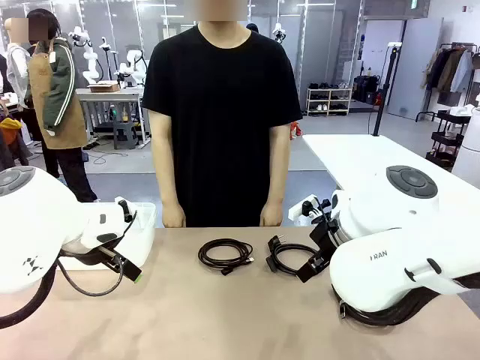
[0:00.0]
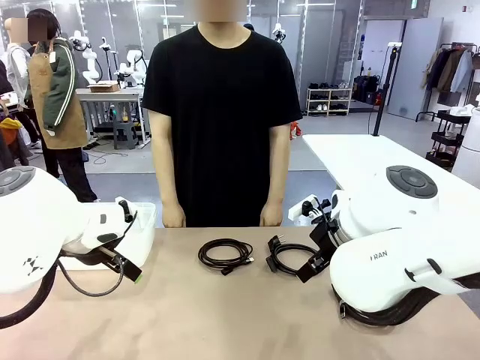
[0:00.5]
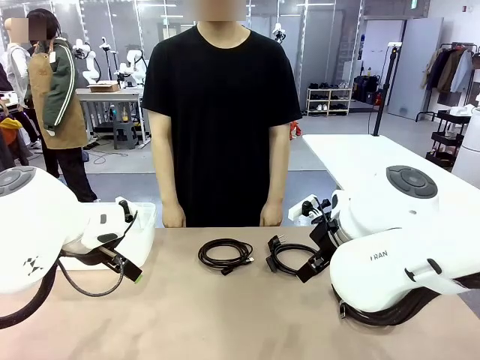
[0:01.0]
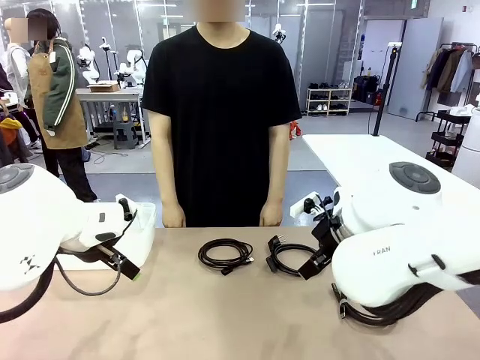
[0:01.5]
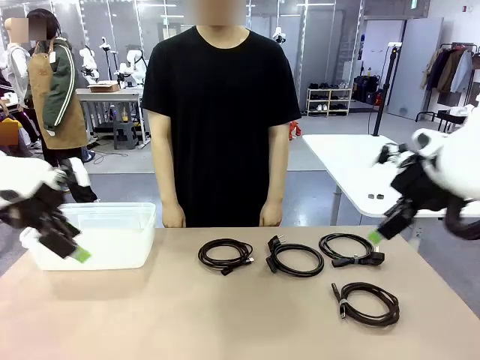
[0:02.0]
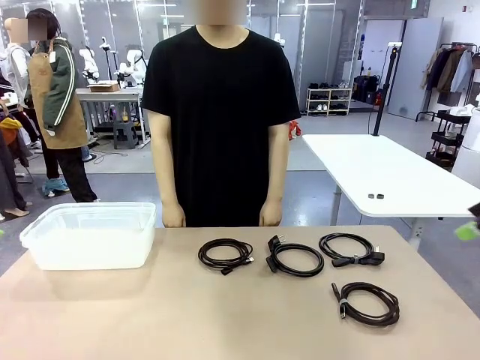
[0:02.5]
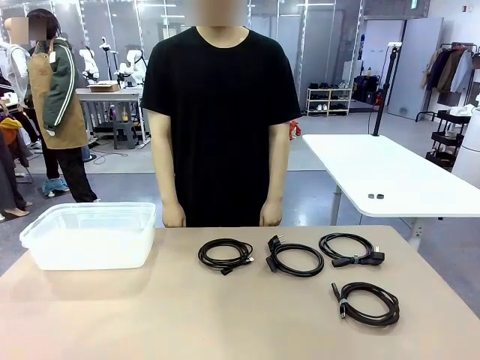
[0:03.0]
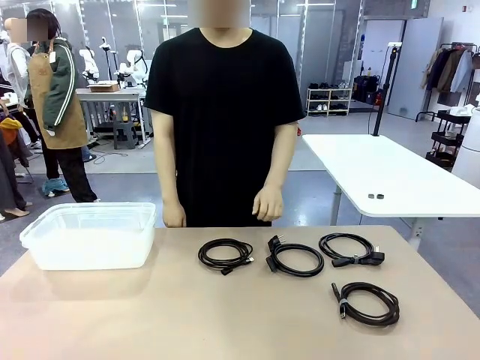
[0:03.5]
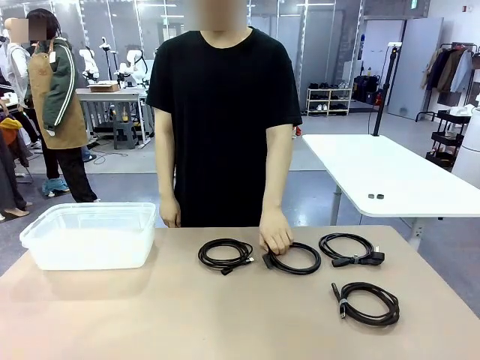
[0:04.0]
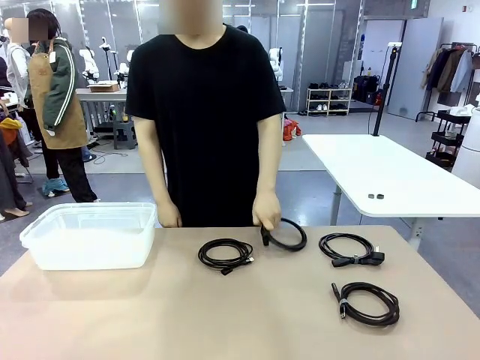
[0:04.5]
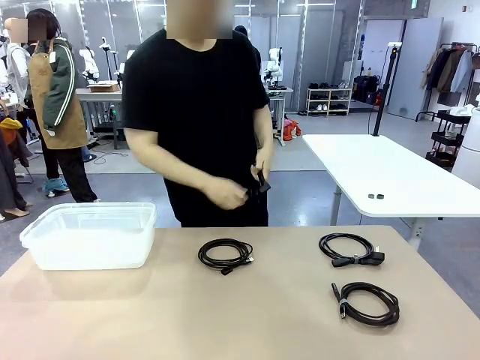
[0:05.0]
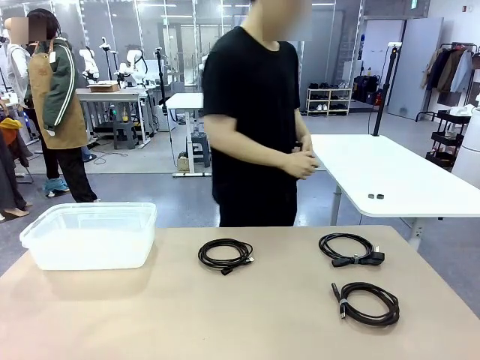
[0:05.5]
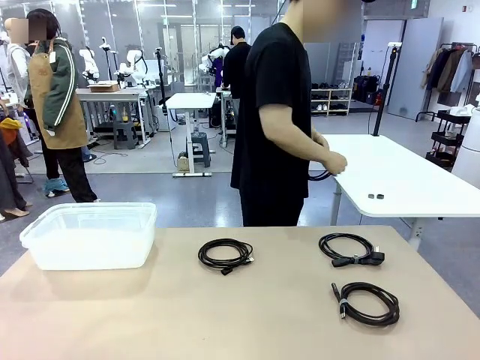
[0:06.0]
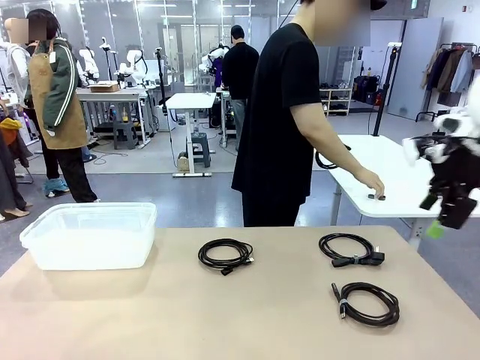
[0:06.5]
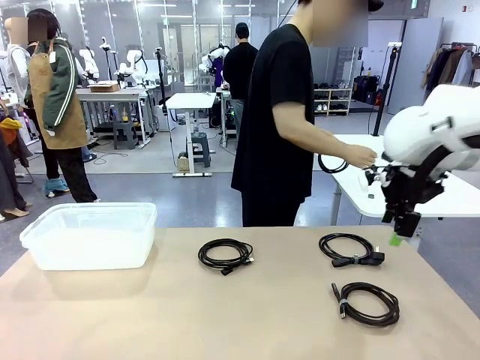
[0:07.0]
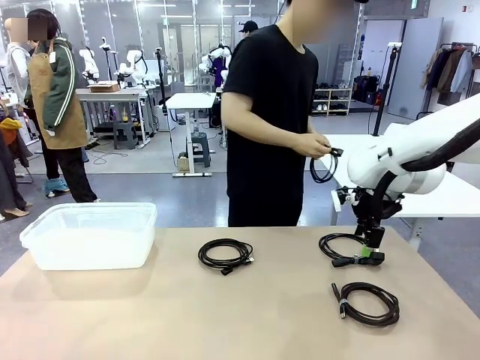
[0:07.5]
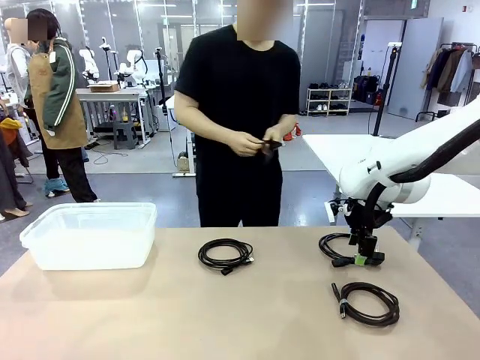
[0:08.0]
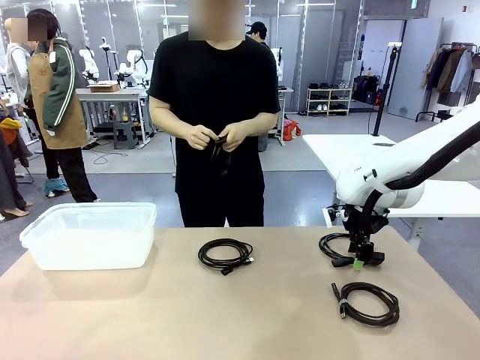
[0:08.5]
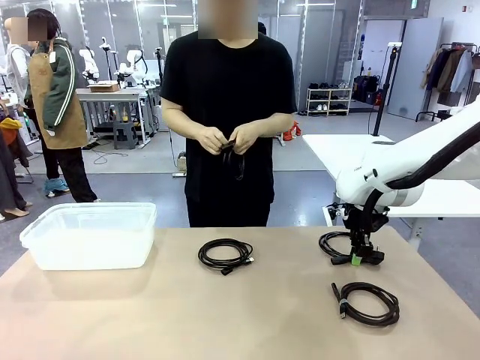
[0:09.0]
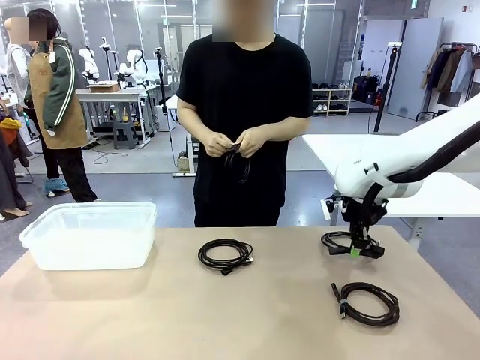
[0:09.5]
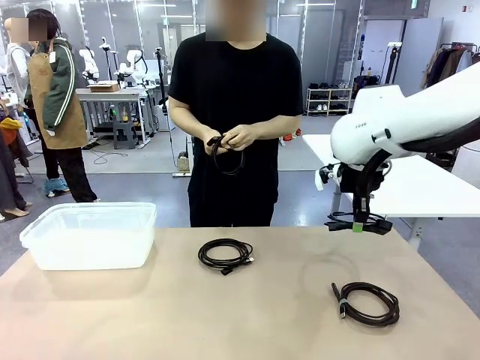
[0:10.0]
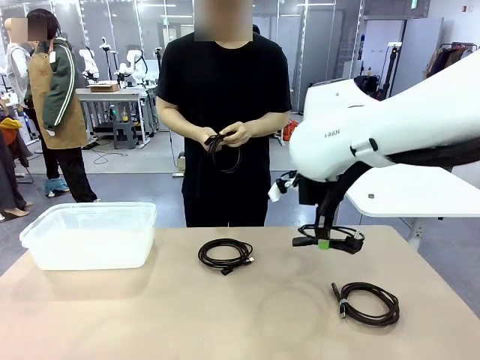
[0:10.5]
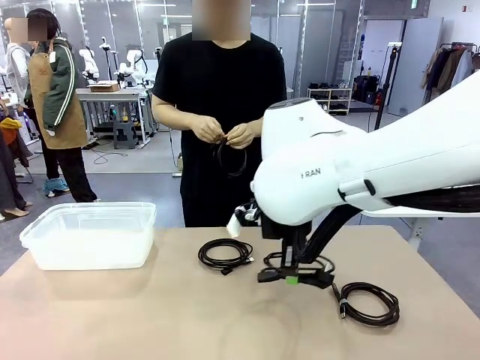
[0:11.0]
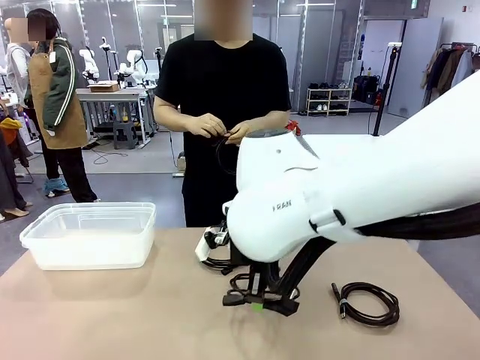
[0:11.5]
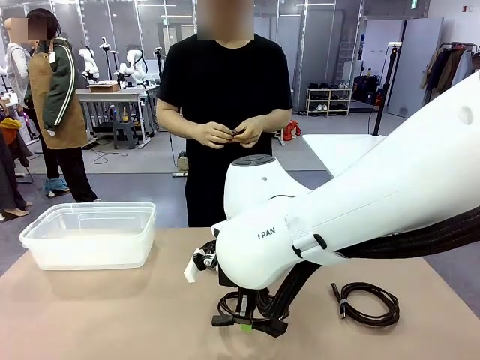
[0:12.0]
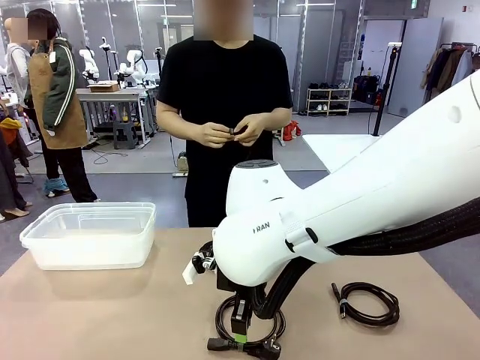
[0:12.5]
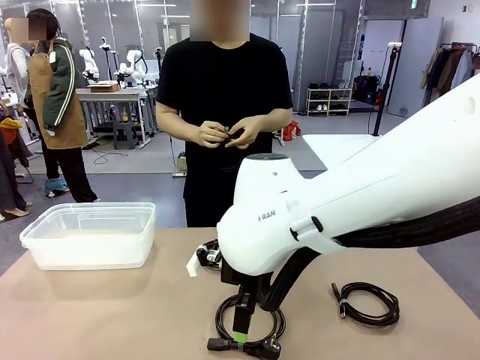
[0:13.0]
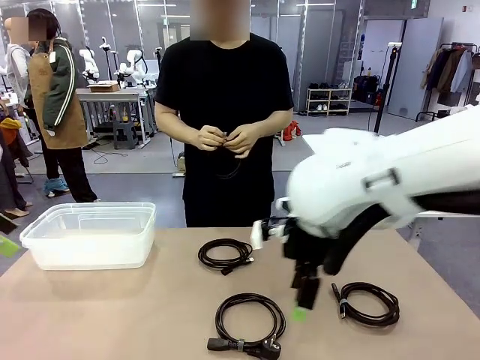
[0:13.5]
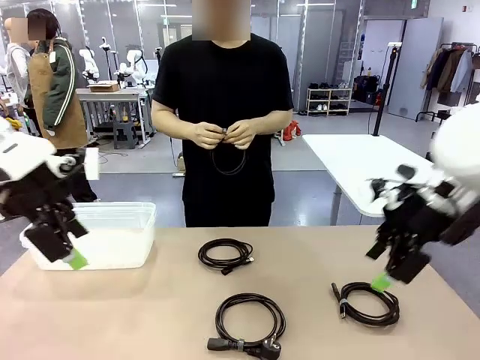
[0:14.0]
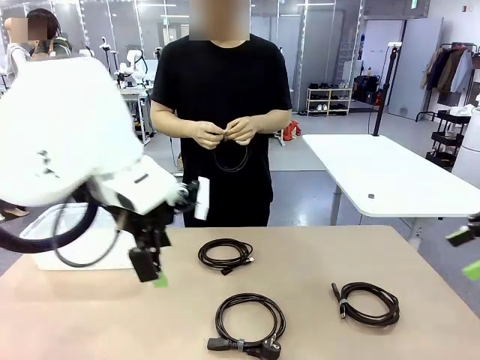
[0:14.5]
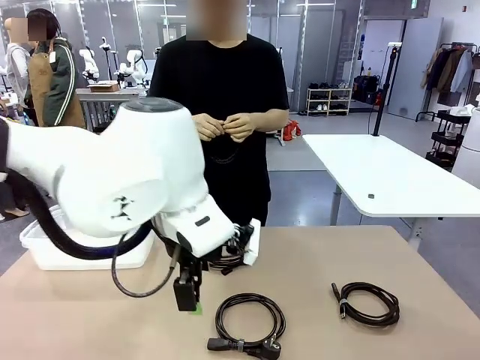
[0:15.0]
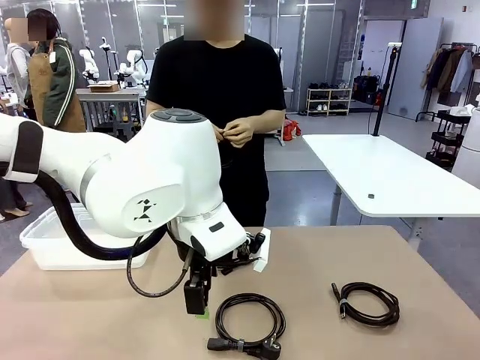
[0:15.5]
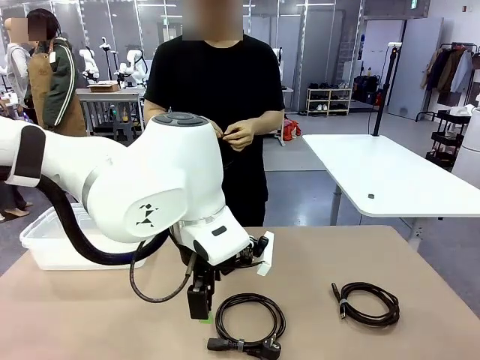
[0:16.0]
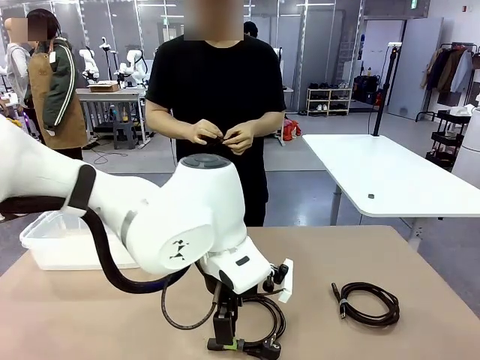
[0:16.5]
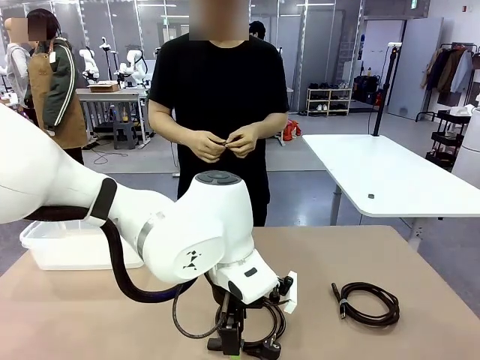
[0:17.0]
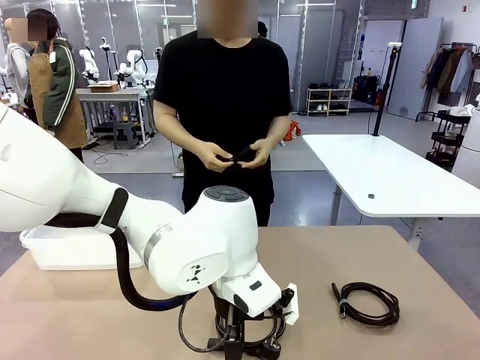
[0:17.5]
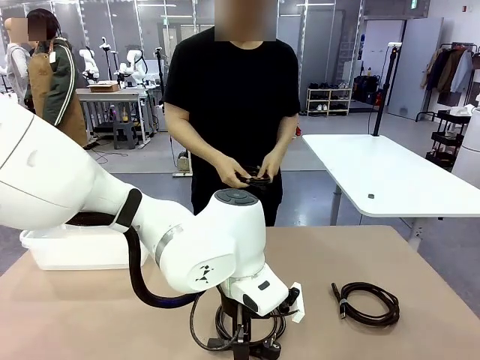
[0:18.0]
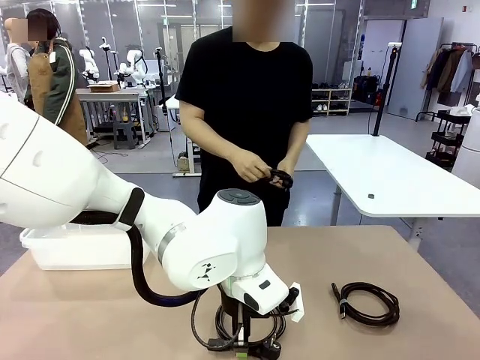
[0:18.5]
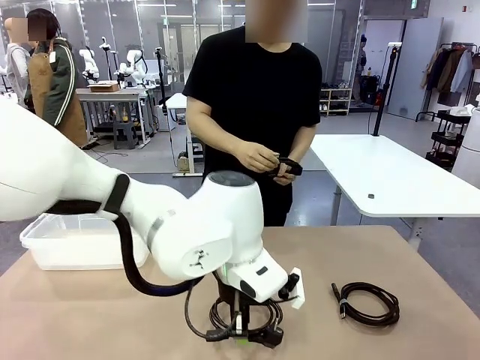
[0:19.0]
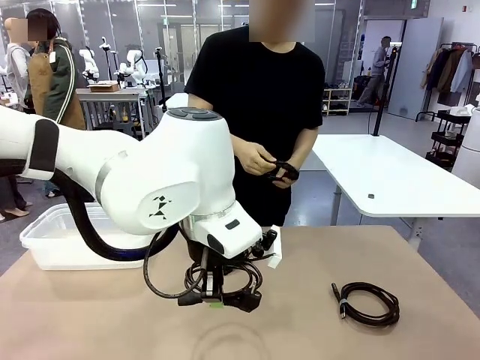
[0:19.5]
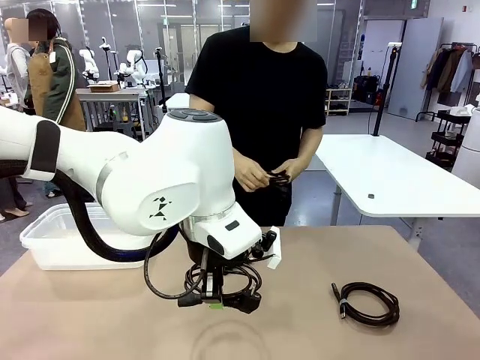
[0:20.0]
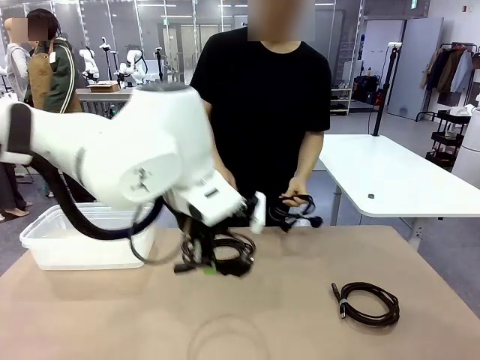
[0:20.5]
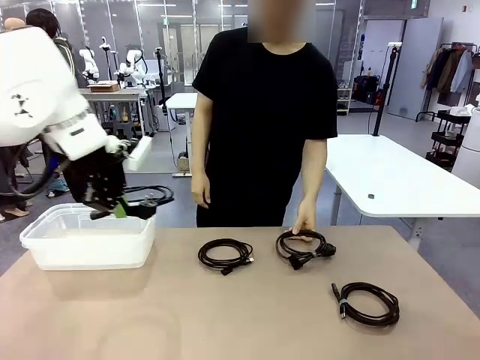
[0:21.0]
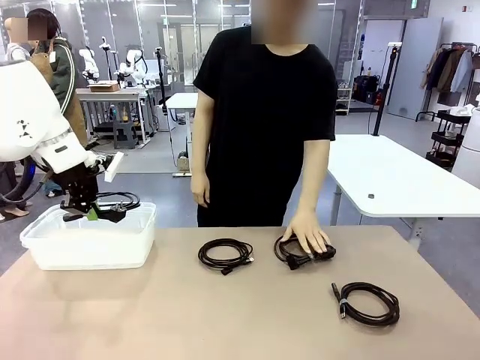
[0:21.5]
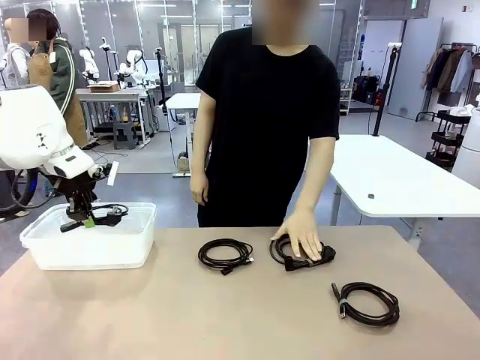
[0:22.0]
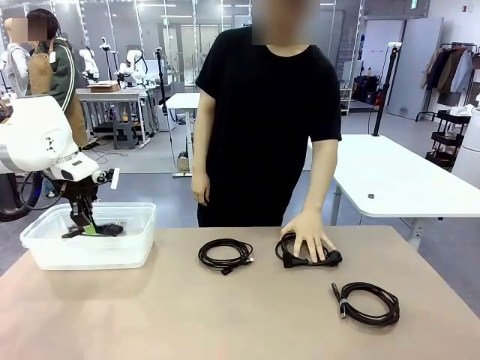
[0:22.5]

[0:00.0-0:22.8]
Task: Organize and store the cables.
Robot: Place the Power Cable into the Organizing box.
Person: Tie one Power Cable with a Reusable Cable Tie.
